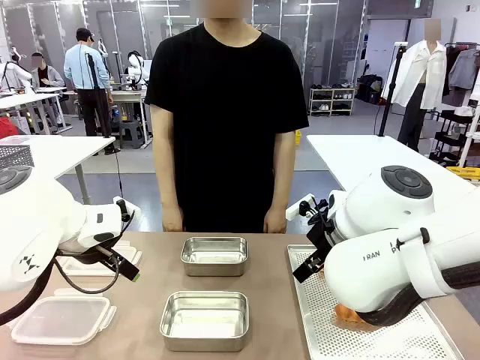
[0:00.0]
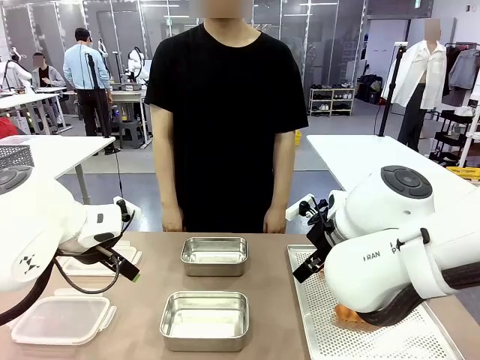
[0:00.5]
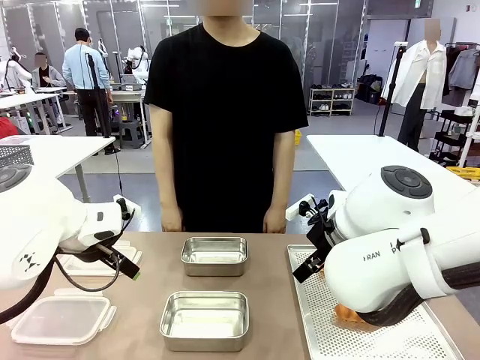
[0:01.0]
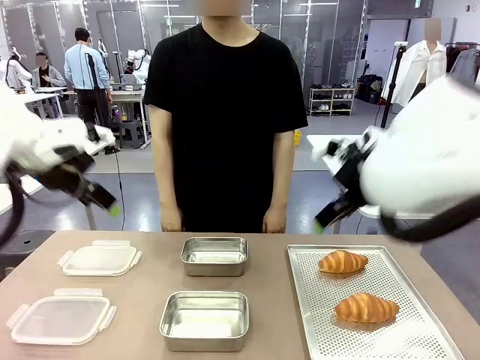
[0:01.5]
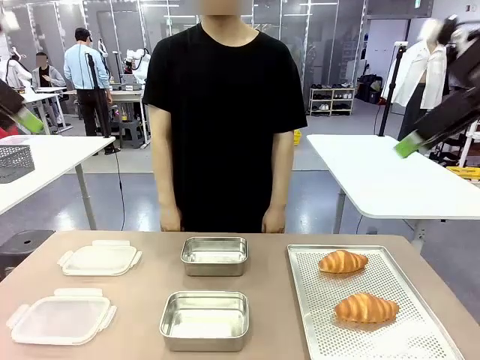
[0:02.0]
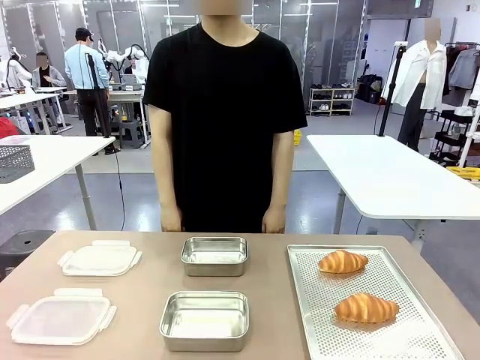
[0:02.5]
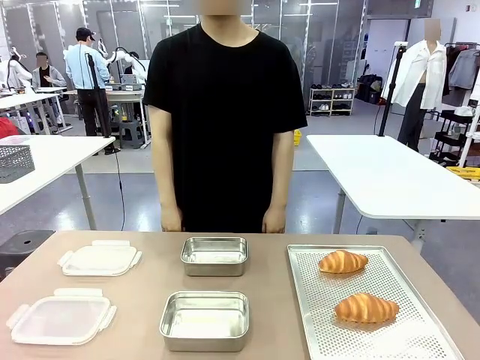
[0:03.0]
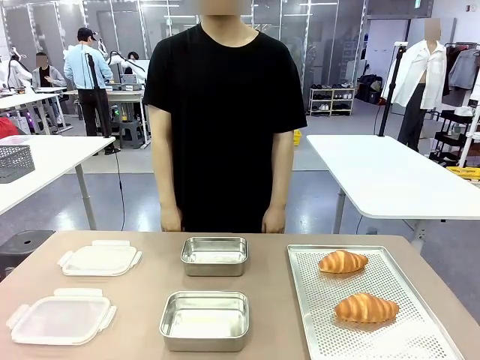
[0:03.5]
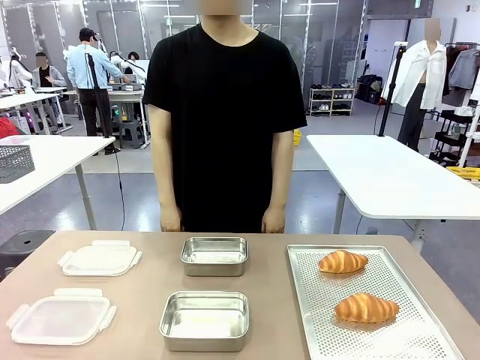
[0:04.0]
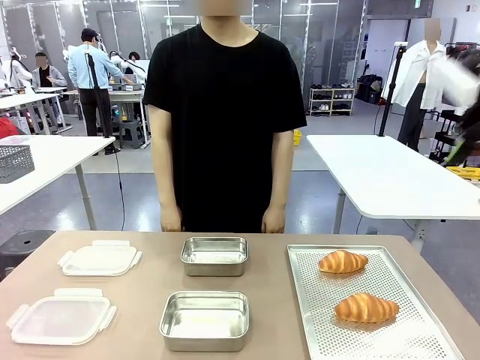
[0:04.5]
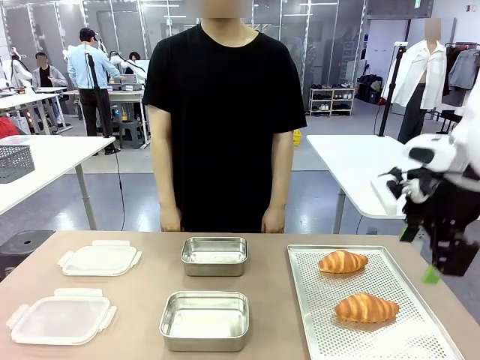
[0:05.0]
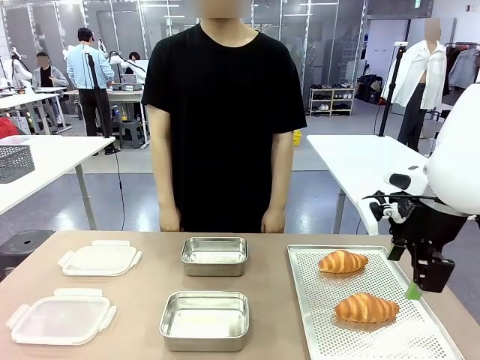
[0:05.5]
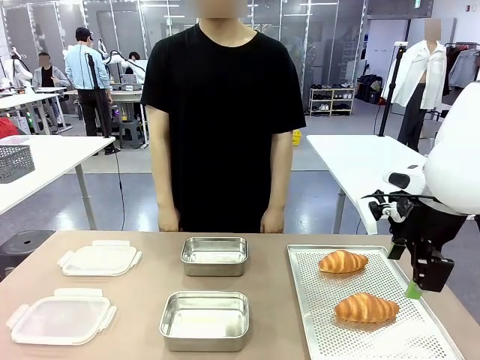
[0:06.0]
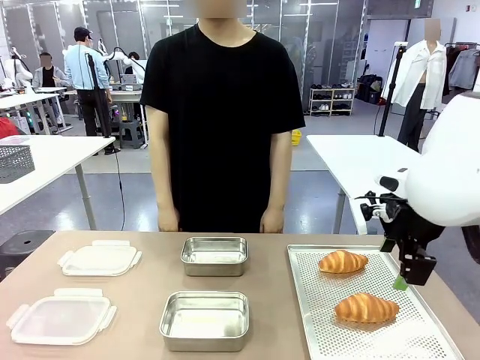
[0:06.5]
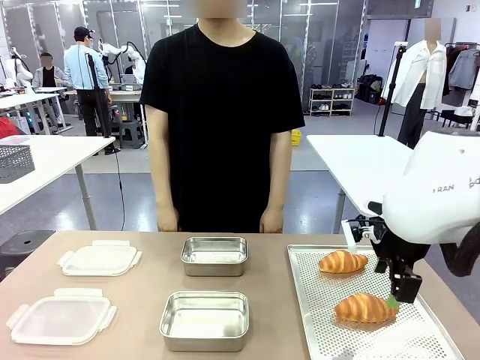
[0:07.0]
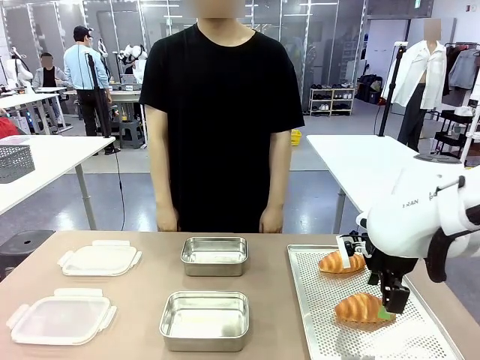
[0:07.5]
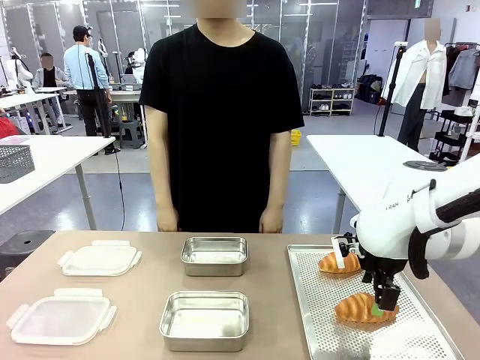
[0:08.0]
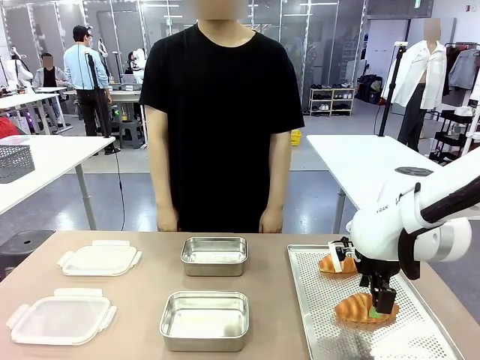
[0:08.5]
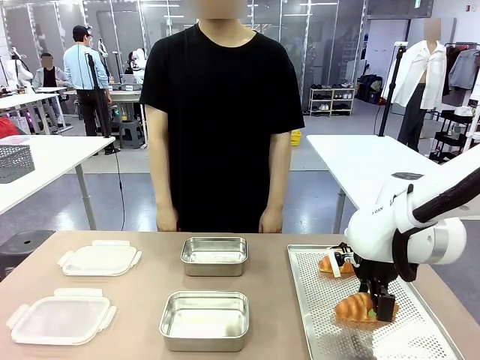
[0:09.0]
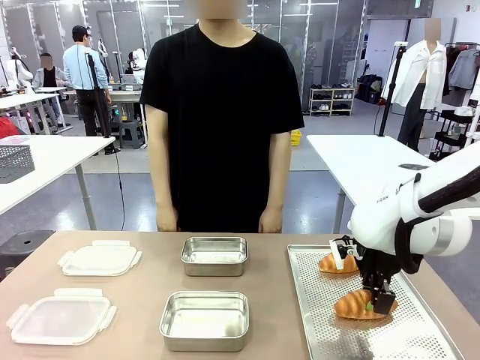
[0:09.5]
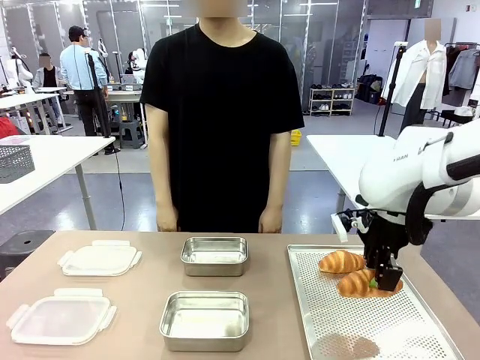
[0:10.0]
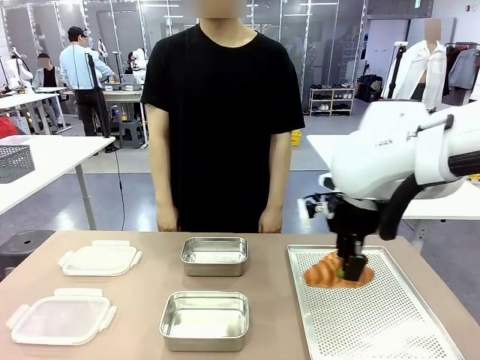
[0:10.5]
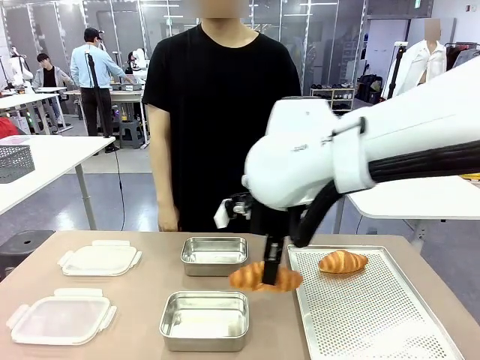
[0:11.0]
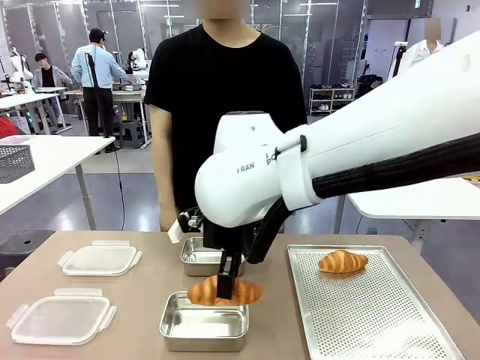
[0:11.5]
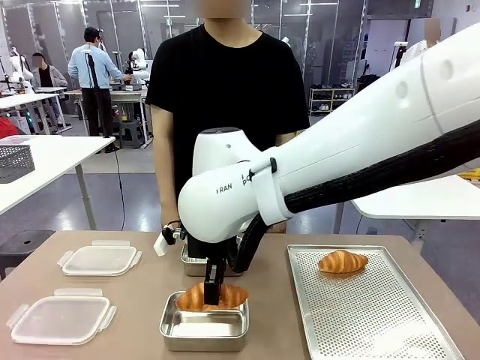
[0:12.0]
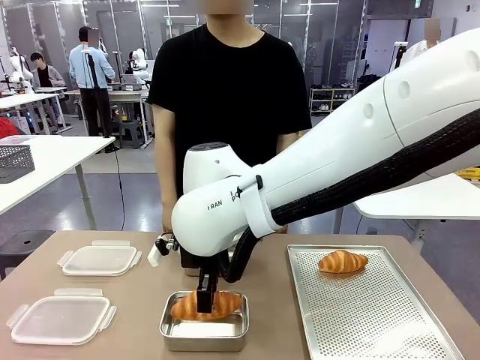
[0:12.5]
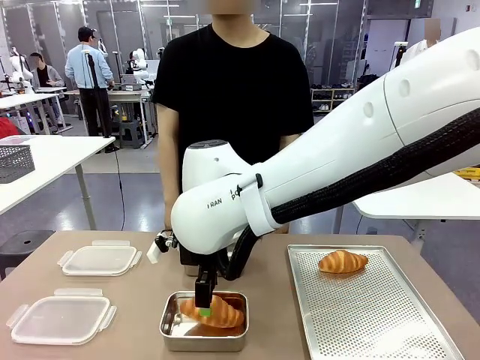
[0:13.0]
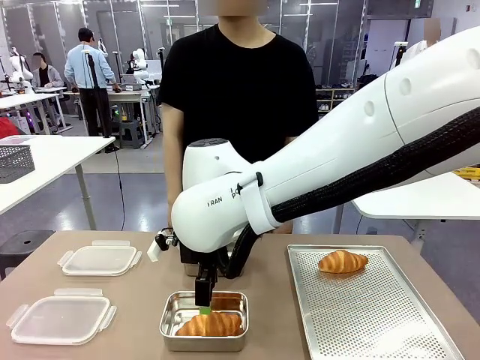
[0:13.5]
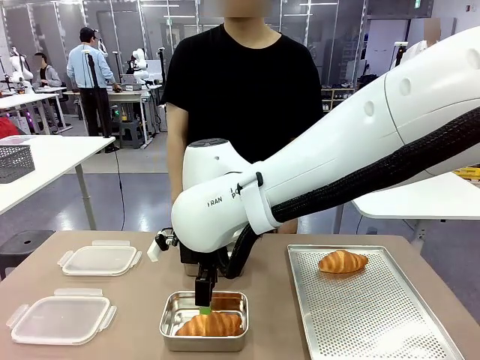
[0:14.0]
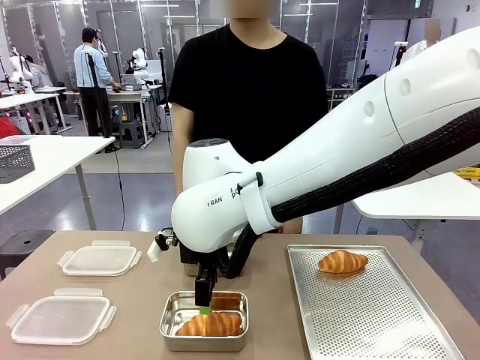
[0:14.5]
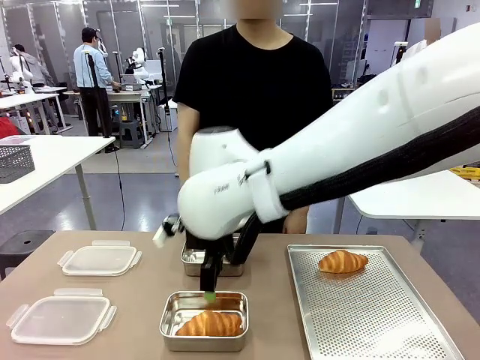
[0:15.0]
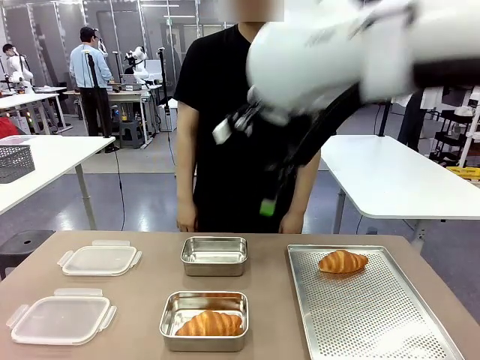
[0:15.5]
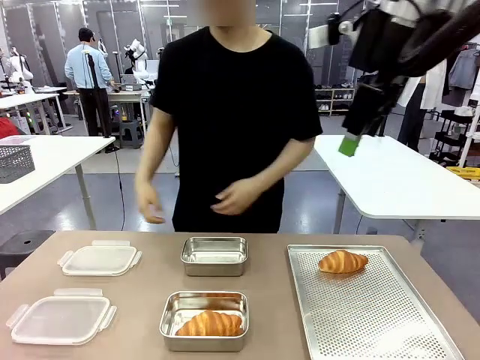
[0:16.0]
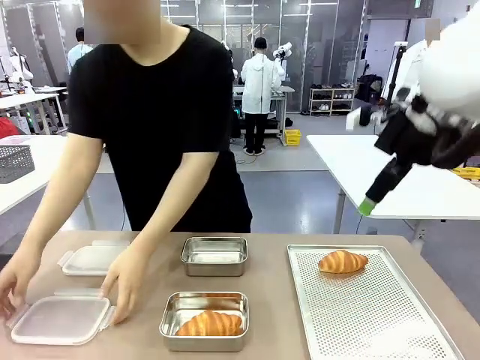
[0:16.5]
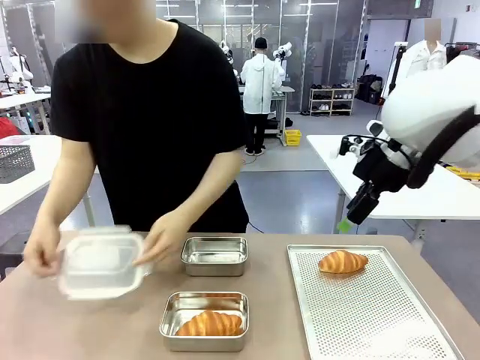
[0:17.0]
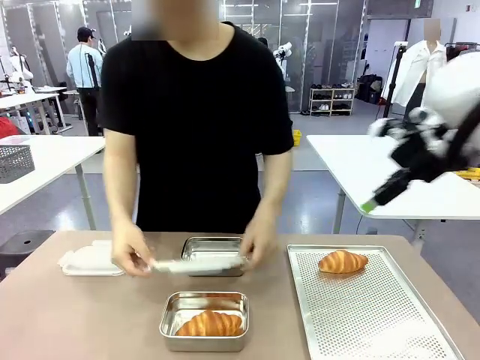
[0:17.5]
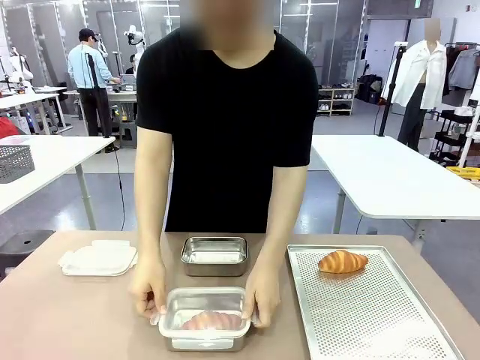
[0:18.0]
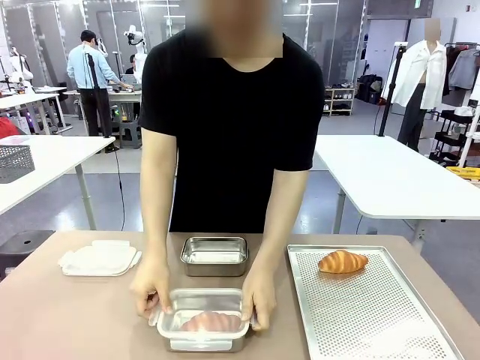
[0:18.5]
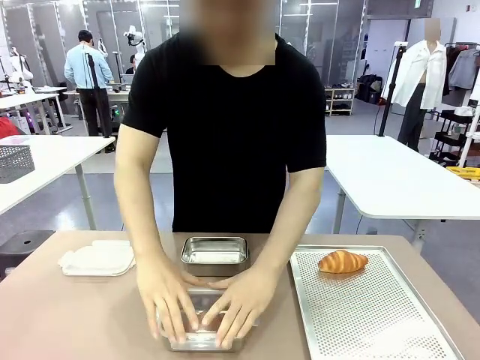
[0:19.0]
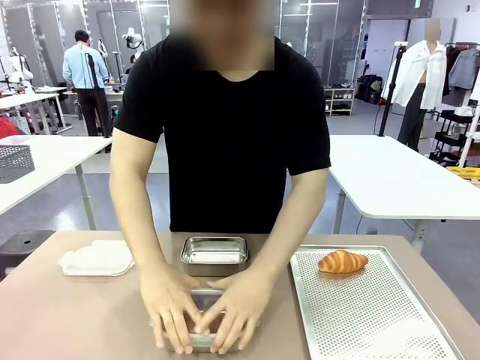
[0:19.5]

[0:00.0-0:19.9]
Task: Place the bread into the airtight container.
Robot: Pick up a Butter Roll and place it into an empty Airtight Container.
